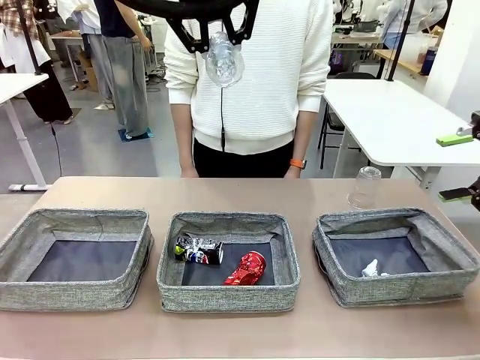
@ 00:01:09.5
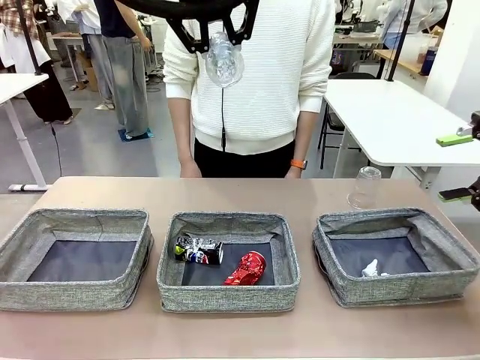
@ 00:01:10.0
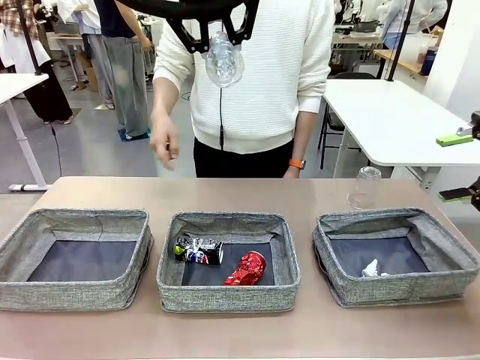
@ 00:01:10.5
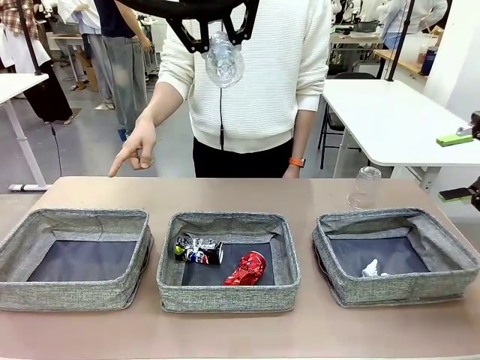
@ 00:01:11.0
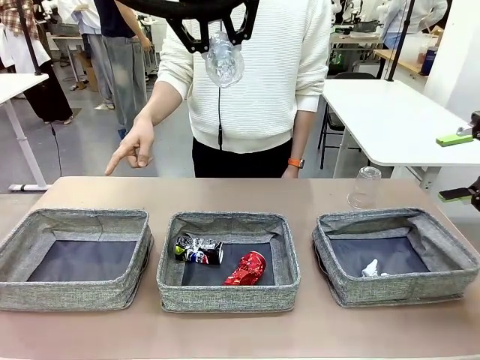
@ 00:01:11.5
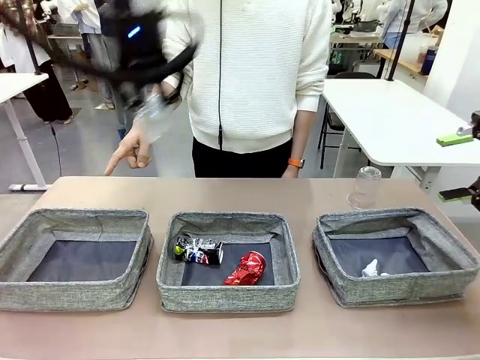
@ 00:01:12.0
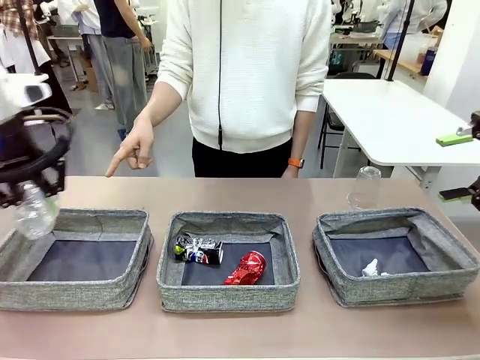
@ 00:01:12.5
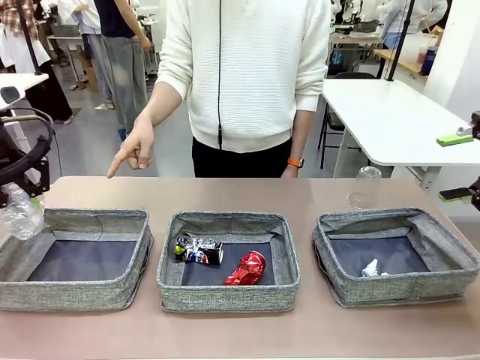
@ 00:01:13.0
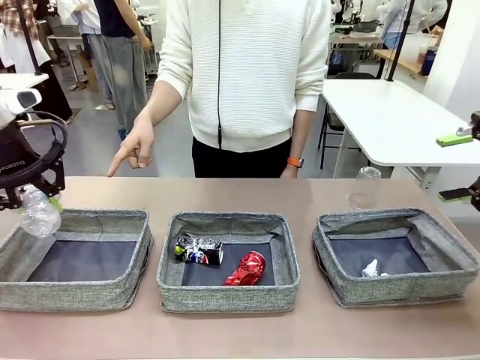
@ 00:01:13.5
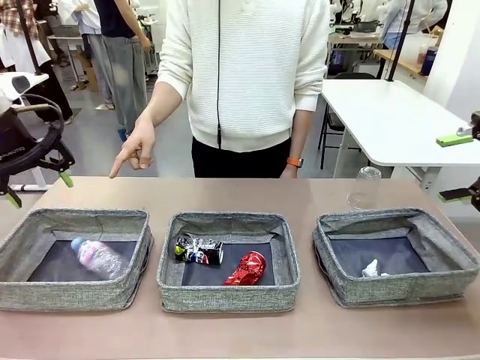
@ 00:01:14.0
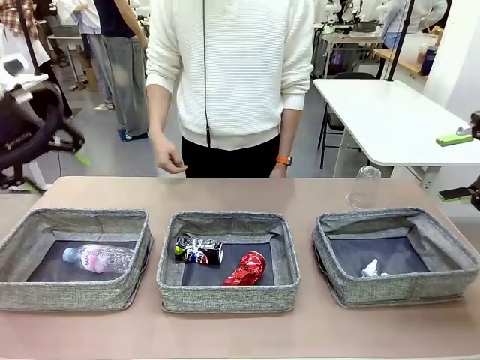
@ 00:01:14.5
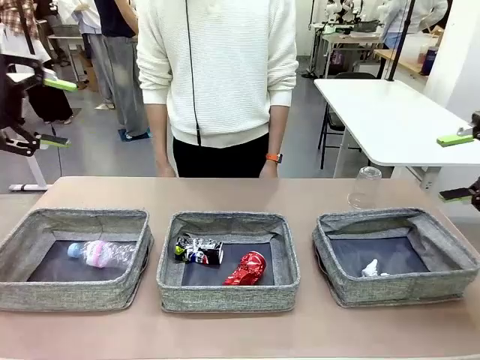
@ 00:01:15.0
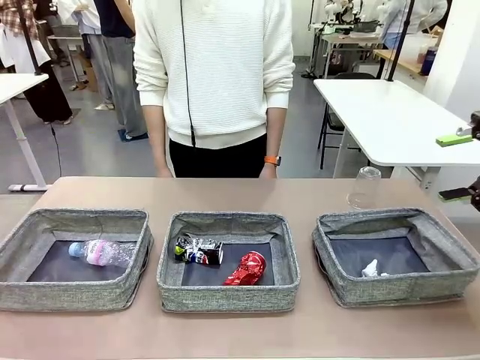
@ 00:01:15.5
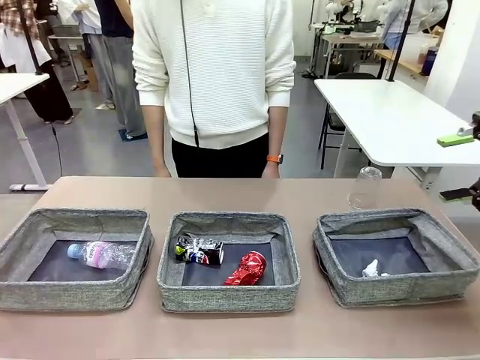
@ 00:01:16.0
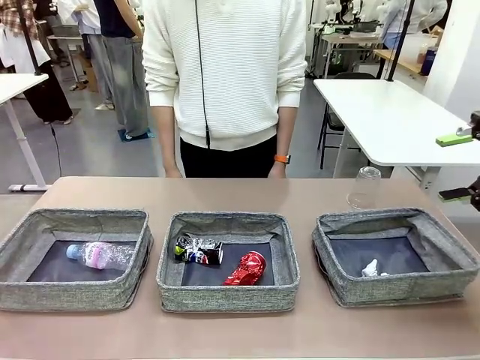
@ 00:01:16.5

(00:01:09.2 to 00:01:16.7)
Task: Sort the waste into the appropriate baskets.
Robot: Place the picked waste into the Fabric basket indicated by the person.
Person: Instructs the robot to place the picked-up trash into the appropriate organizing basket.

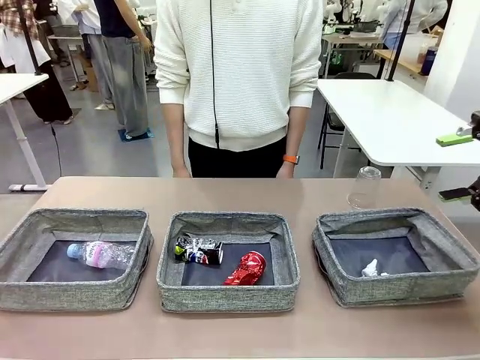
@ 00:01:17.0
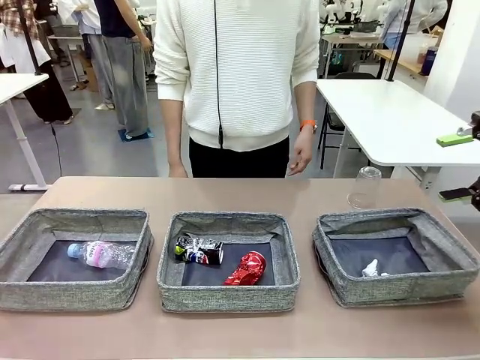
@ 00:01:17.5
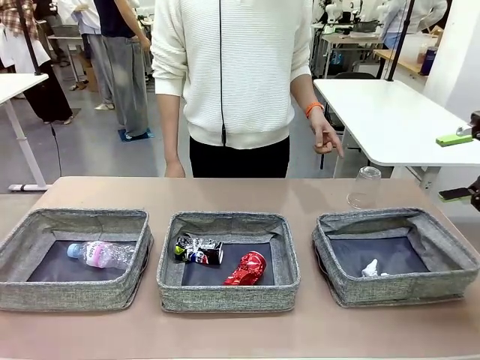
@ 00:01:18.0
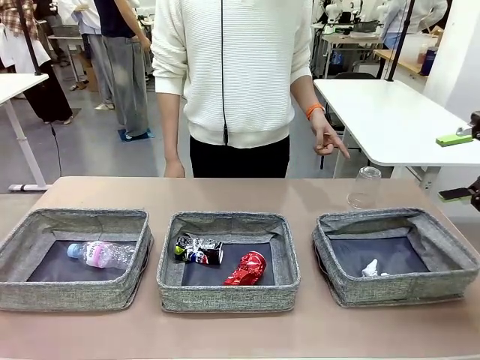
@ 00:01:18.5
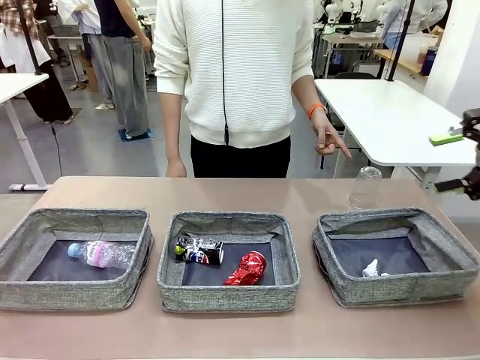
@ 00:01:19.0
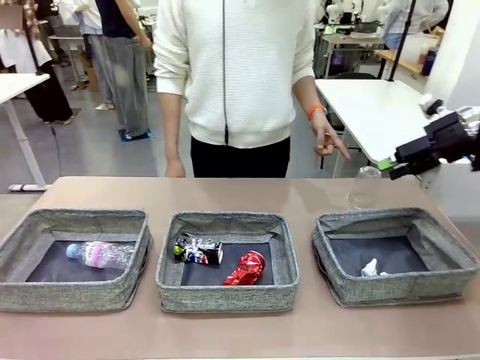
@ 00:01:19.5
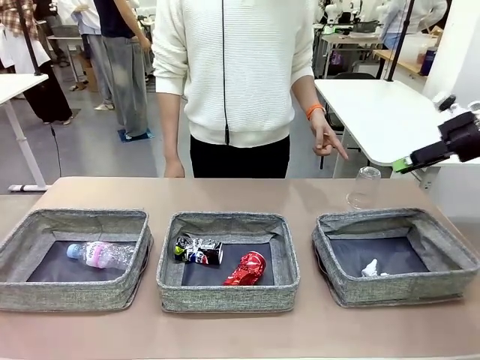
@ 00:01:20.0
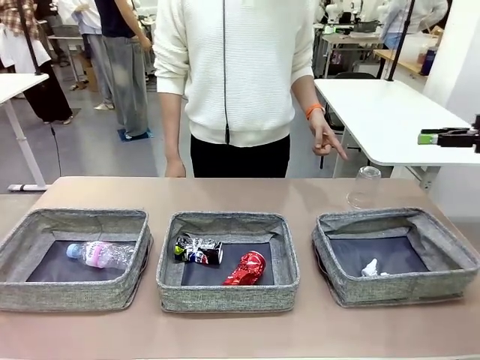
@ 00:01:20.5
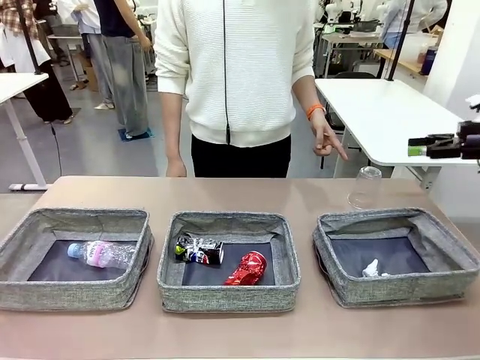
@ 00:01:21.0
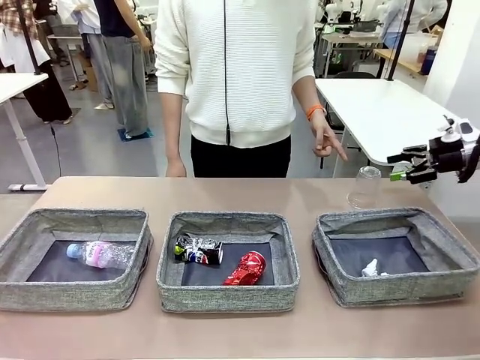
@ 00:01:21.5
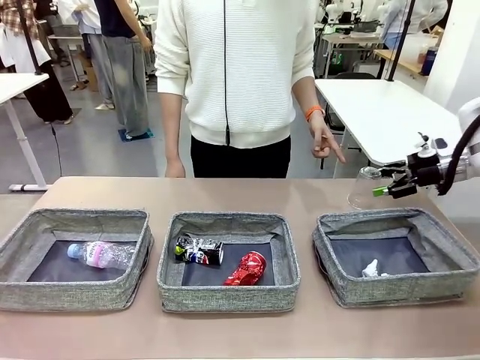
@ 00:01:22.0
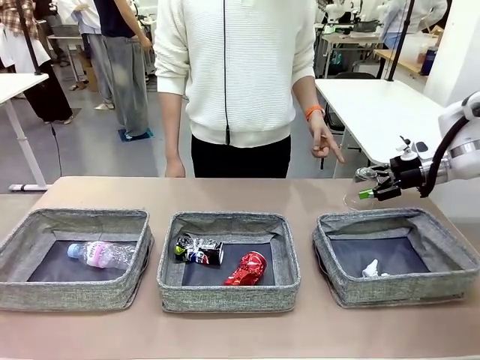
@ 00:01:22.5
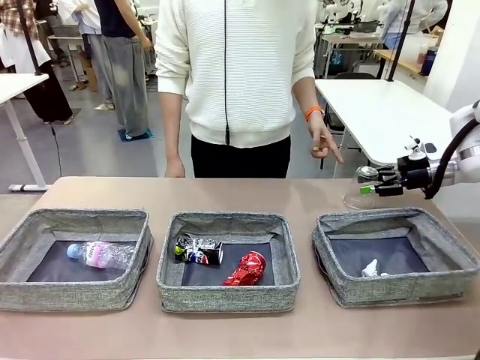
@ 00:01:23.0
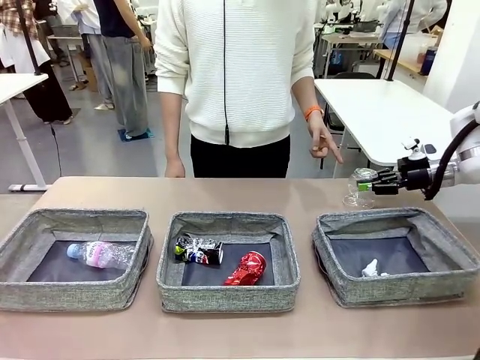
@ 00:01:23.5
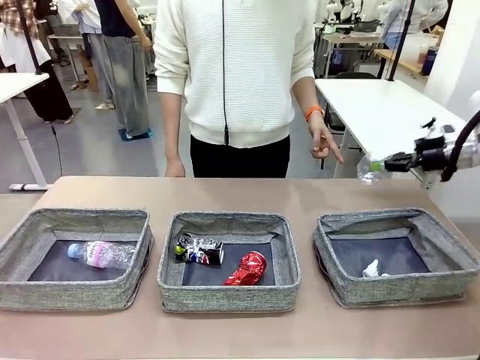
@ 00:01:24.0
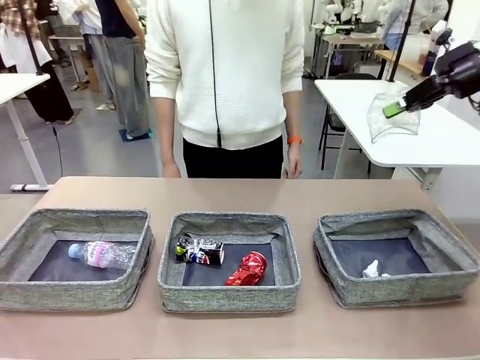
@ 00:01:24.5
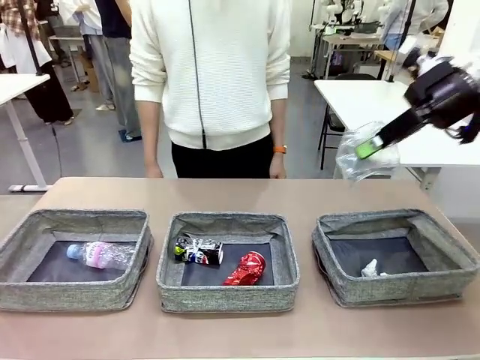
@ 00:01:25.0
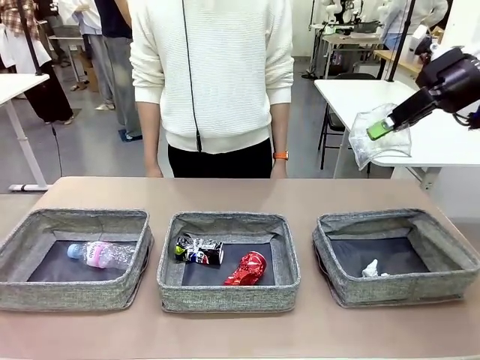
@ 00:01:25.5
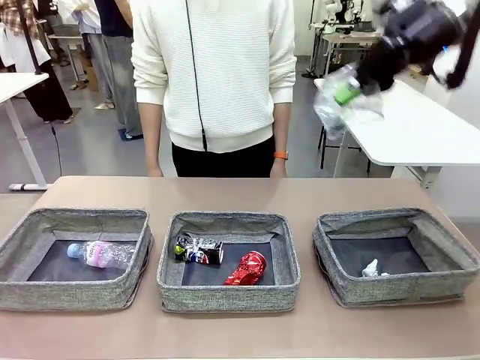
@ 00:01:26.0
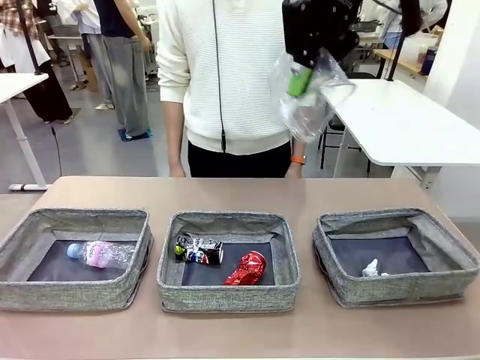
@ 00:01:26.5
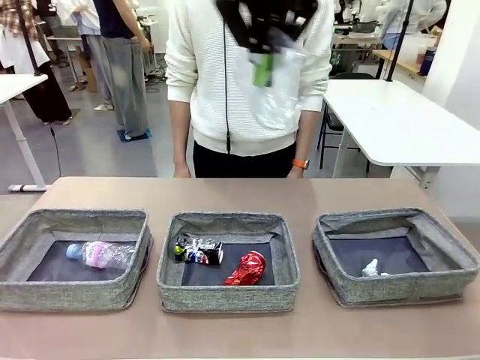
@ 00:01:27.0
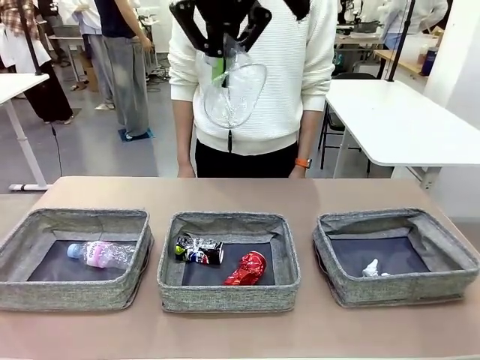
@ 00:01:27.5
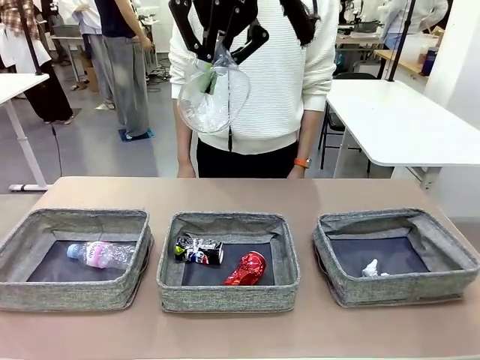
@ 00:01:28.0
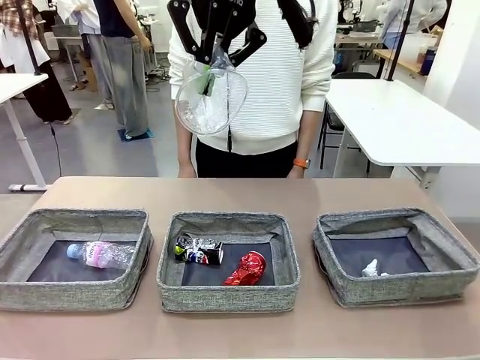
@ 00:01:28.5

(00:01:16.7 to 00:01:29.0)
Robot: Pick up the waste item pointed out by the person.
Person: Points to one piece of trash on the table.

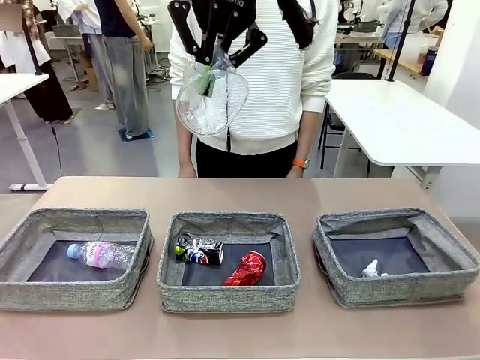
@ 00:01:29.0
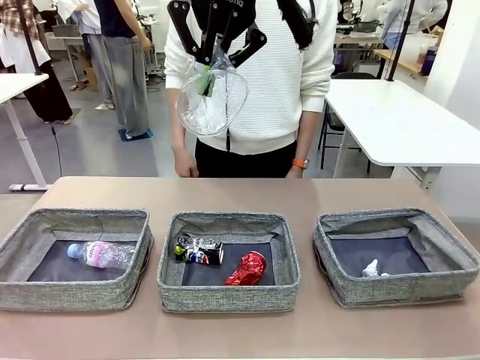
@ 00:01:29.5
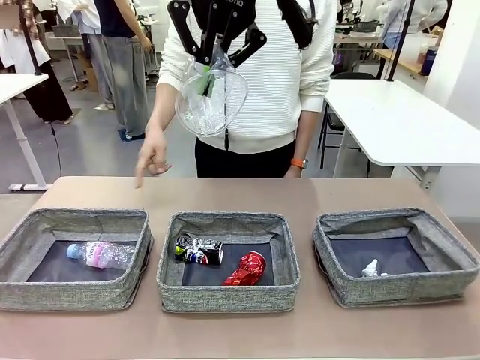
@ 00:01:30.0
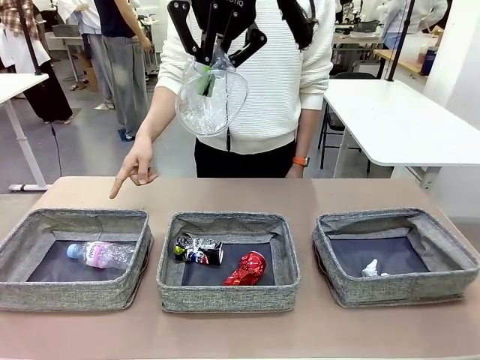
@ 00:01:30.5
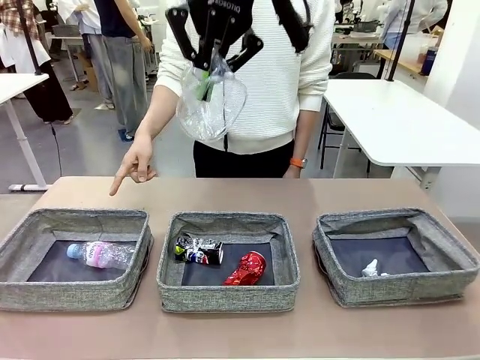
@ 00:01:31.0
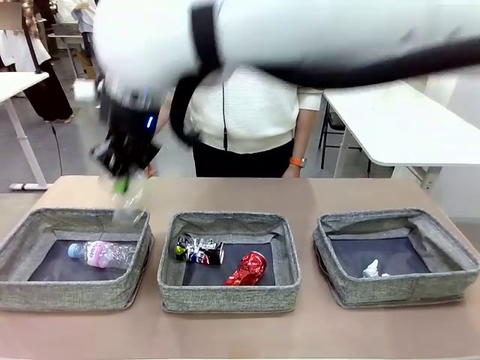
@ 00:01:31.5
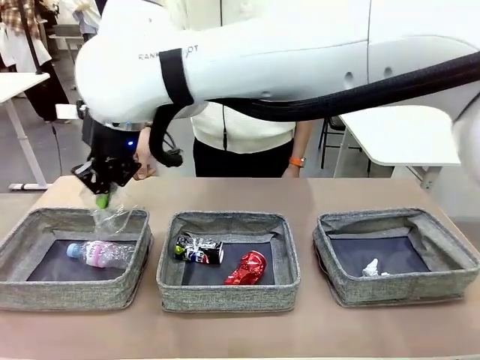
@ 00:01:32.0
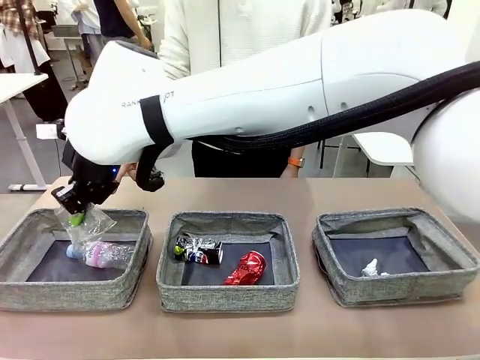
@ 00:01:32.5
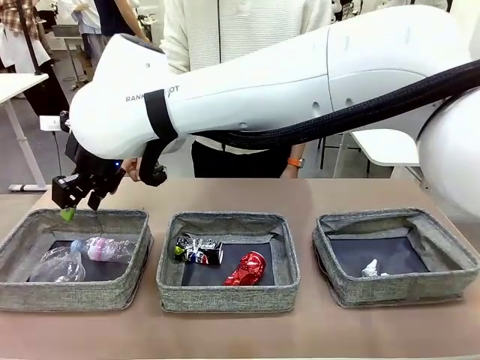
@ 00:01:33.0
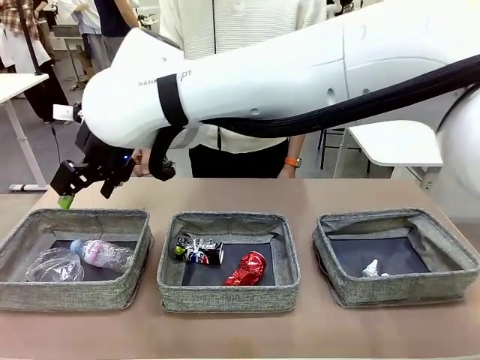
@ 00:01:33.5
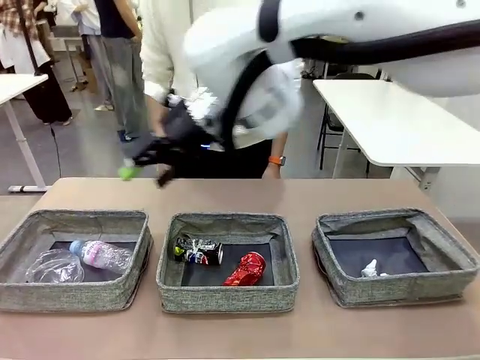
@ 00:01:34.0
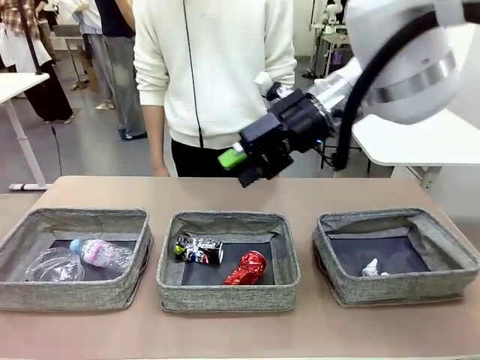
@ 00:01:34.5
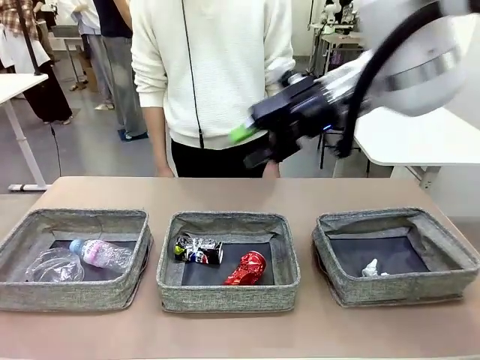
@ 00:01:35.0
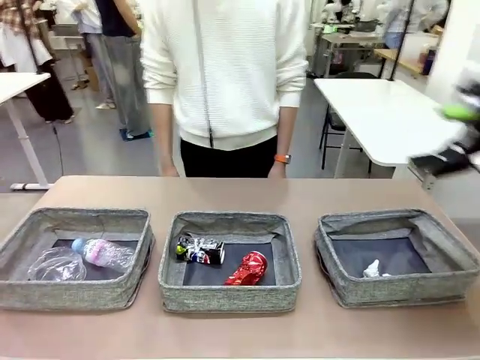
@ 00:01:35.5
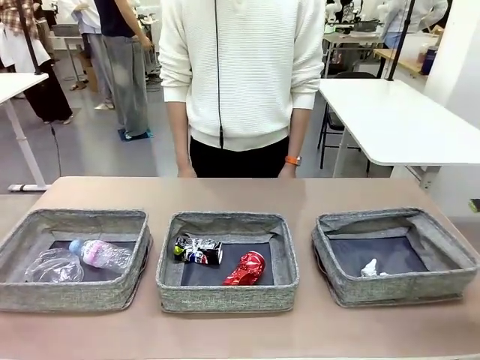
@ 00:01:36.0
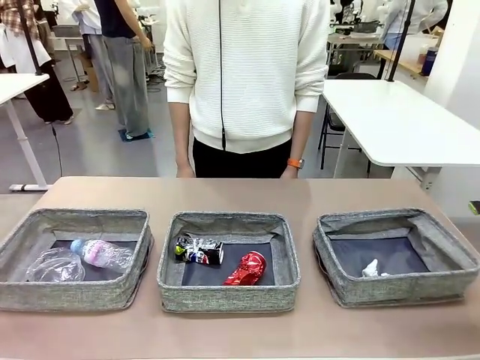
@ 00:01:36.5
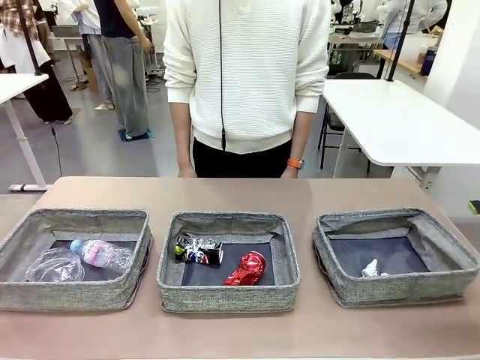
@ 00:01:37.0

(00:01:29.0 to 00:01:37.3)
Robot: Place the picked waste into the Fabric basket indicated by the person.
Person: Instructs the robot to place the picked-up trash into the appropriate organizing basket.
